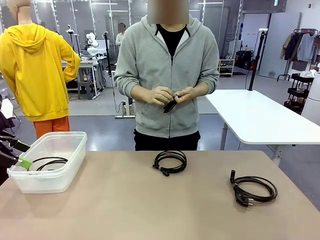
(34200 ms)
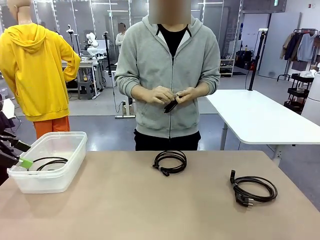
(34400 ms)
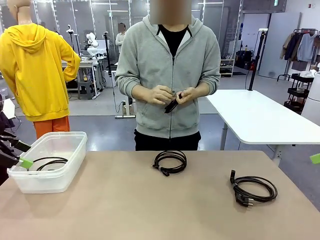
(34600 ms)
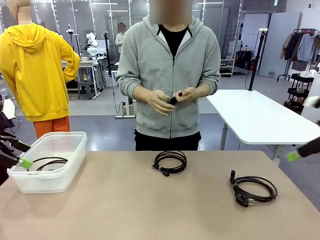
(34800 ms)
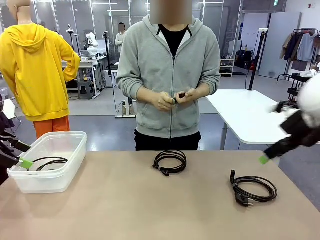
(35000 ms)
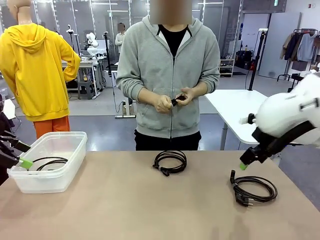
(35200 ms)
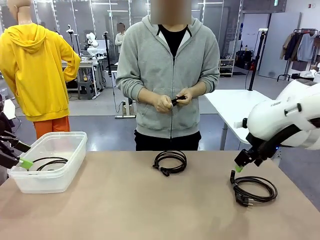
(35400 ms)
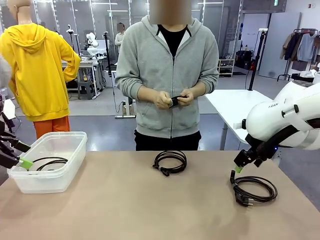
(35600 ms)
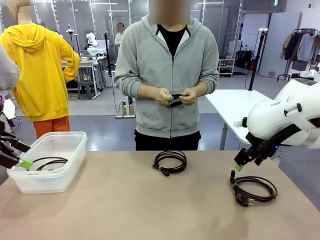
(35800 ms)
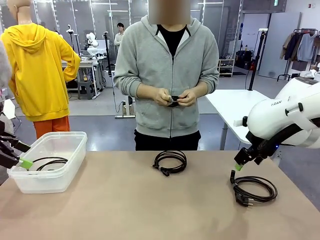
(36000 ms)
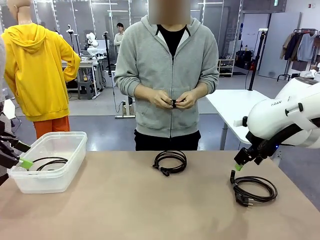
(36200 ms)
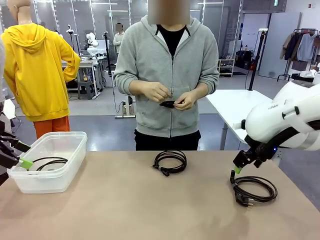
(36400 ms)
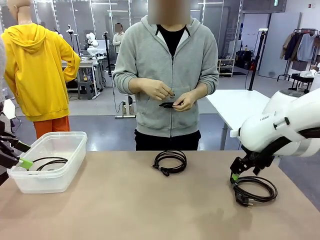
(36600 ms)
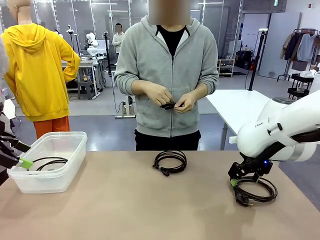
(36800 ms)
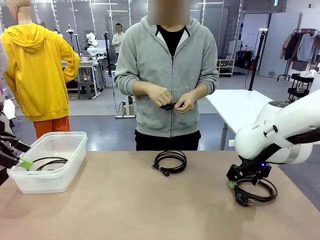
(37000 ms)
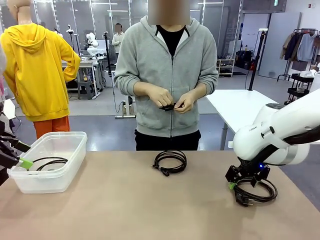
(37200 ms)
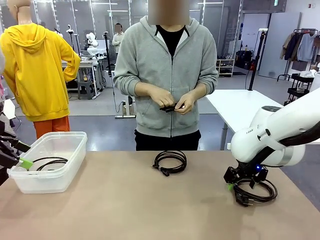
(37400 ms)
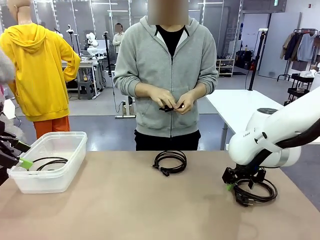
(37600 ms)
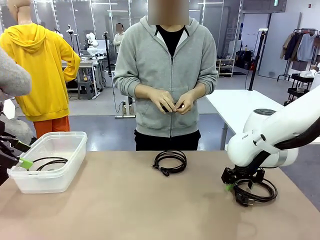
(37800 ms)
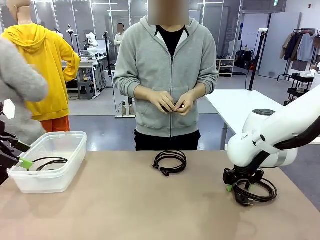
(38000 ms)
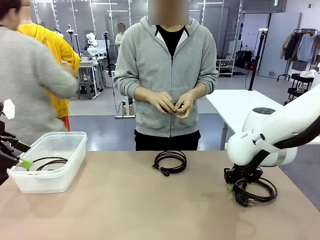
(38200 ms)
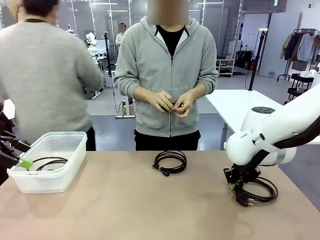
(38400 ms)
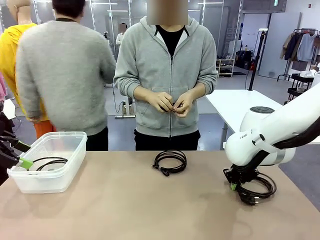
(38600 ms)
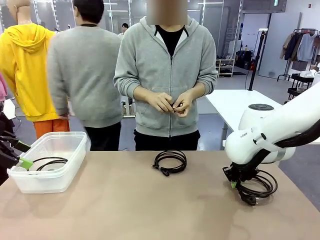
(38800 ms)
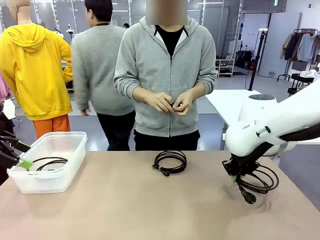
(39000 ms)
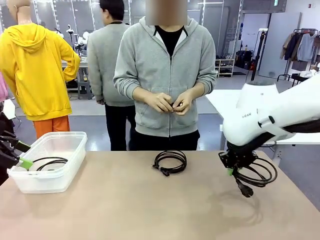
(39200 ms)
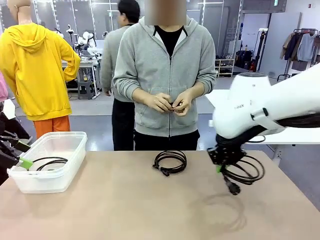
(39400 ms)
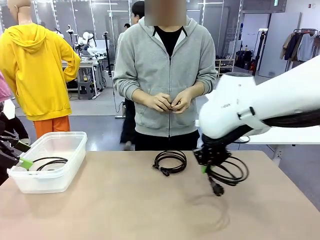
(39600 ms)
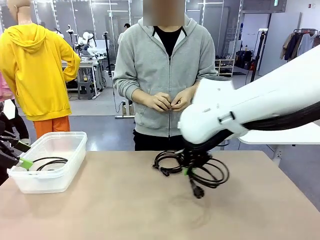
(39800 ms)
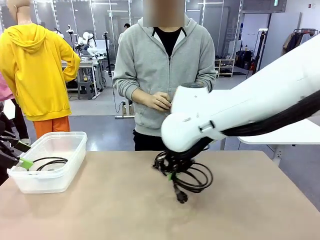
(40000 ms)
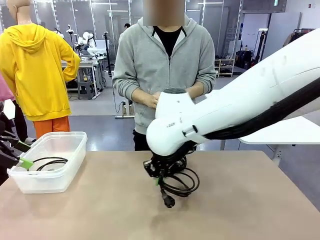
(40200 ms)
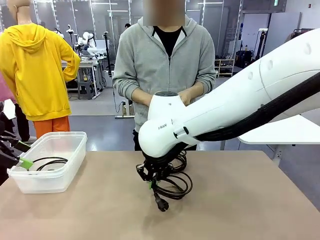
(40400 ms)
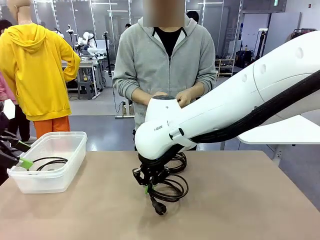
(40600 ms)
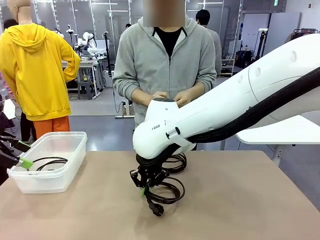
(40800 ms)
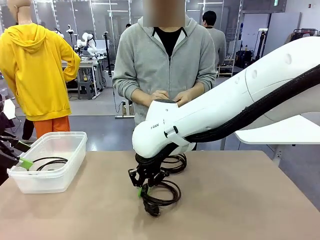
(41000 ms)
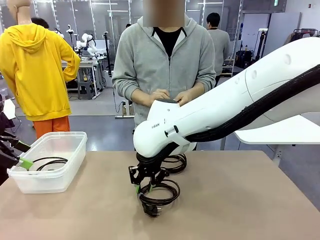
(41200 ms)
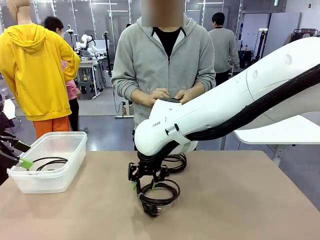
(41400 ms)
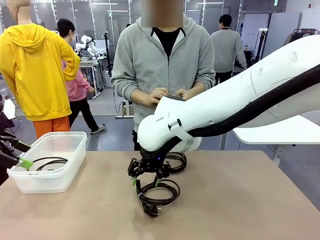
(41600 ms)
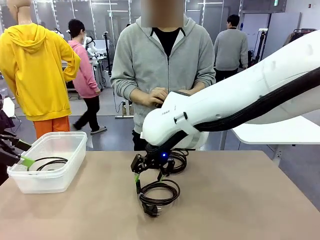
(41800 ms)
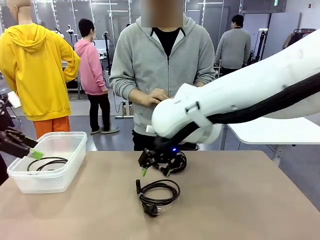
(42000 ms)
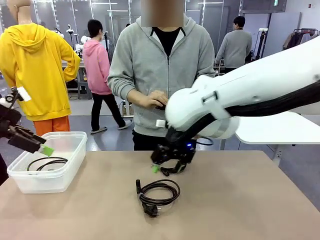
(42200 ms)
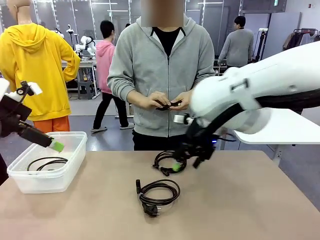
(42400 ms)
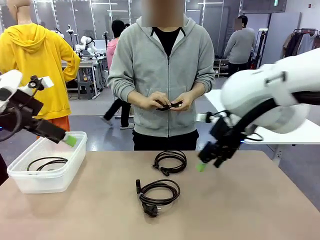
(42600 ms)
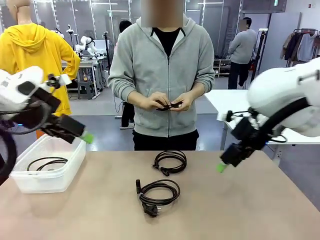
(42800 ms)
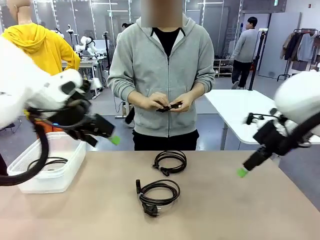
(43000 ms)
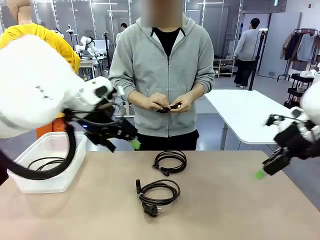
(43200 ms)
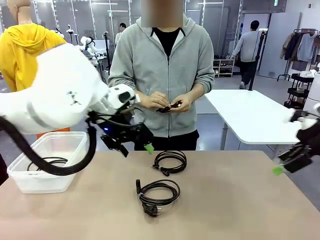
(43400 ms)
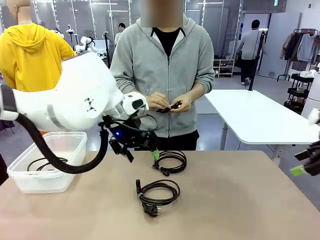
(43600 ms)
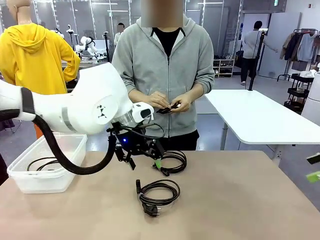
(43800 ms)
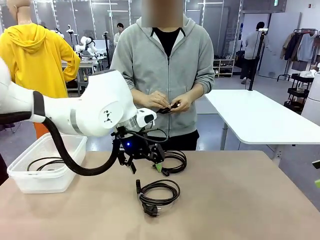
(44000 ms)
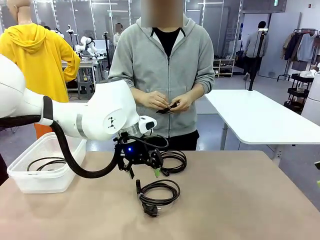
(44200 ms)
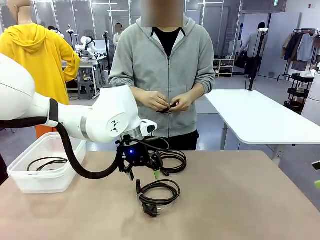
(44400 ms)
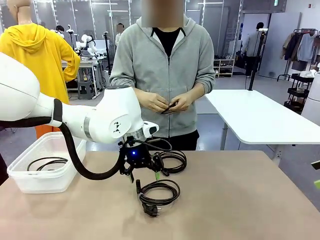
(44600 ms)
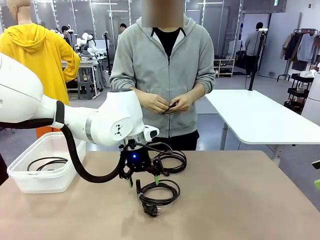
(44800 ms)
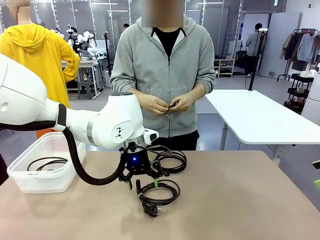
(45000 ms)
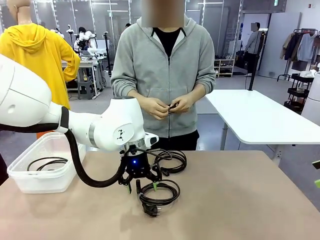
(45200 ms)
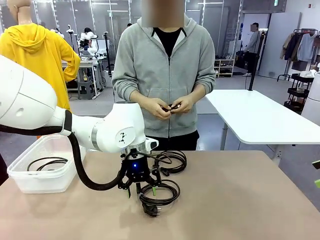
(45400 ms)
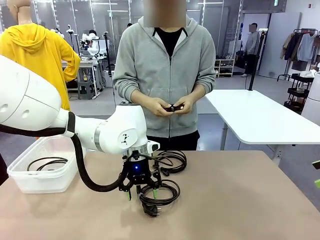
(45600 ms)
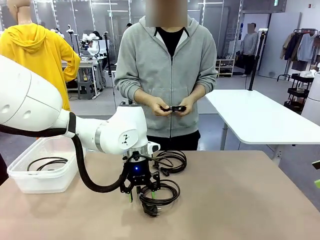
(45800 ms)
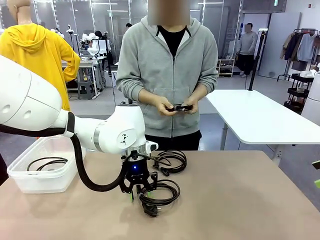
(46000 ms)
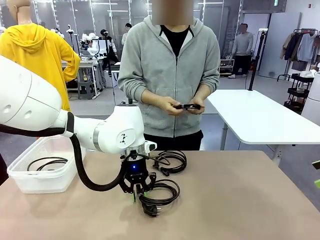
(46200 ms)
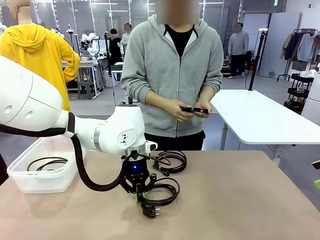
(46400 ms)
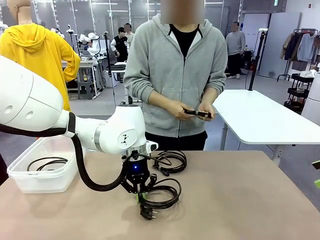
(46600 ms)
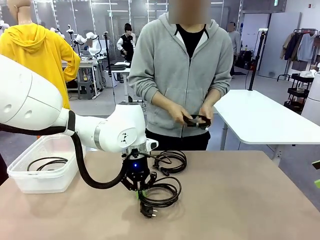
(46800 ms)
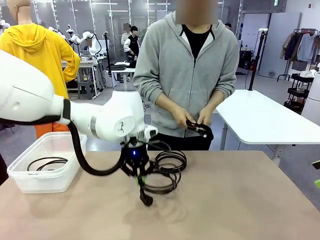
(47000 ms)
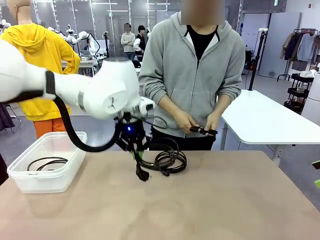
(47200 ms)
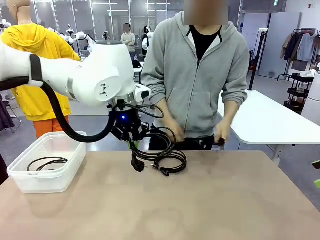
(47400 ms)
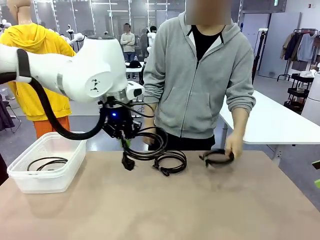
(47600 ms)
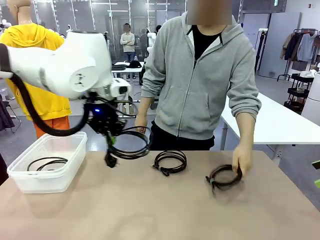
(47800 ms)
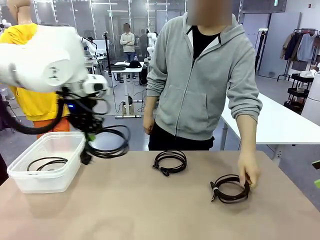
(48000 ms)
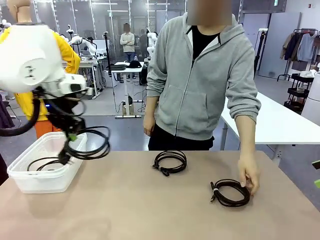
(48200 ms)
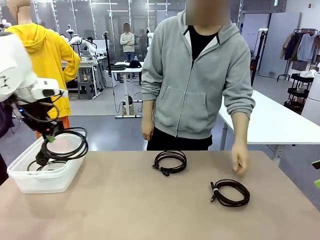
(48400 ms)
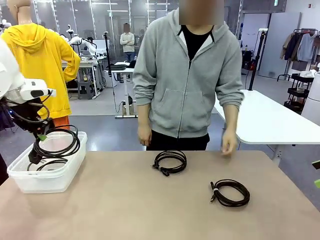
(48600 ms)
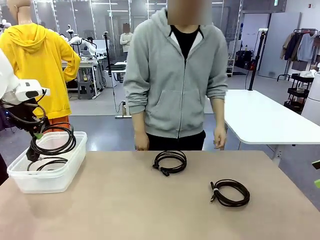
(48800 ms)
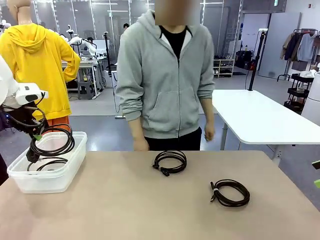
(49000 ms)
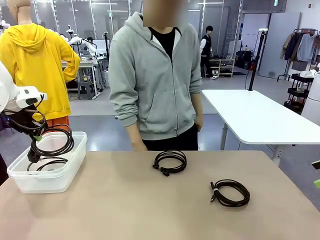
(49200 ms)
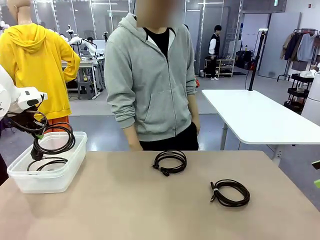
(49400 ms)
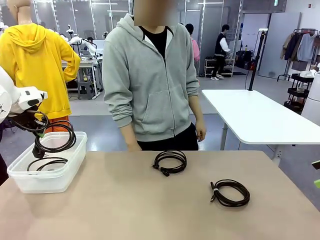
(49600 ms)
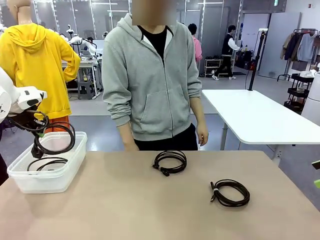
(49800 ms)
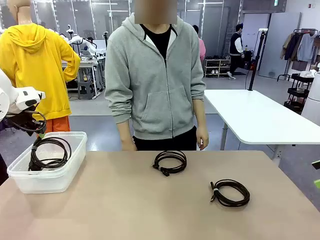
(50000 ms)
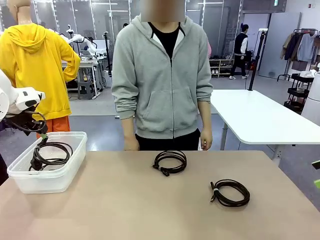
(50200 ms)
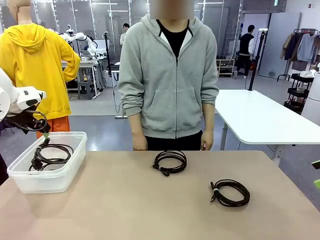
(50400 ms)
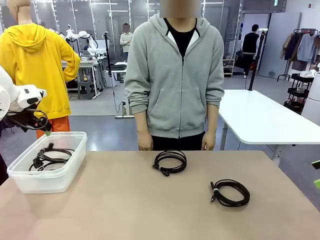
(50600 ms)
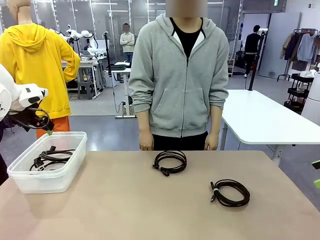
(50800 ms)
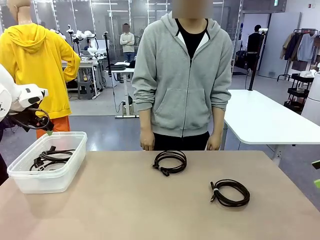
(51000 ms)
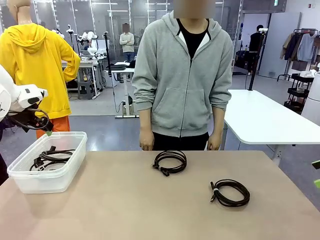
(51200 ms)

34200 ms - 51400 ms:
Task: Organize and store the cables.
Robot: Place the Power Cable into the Organizing box.
